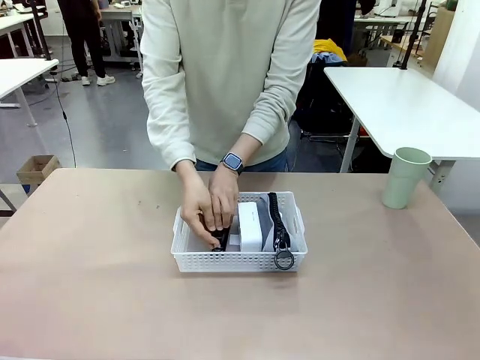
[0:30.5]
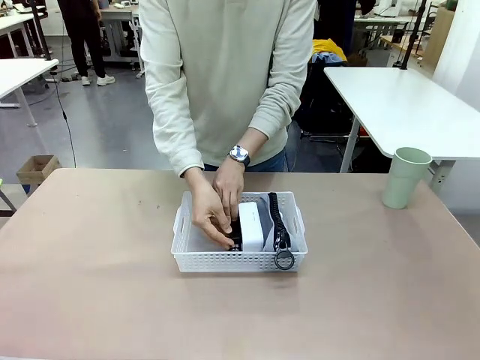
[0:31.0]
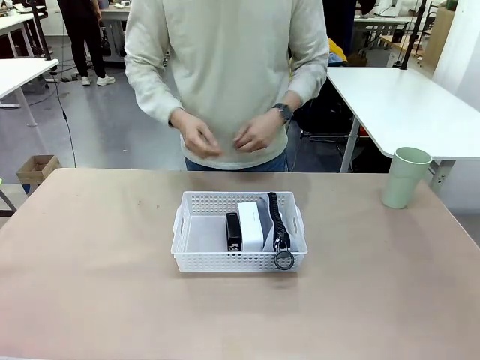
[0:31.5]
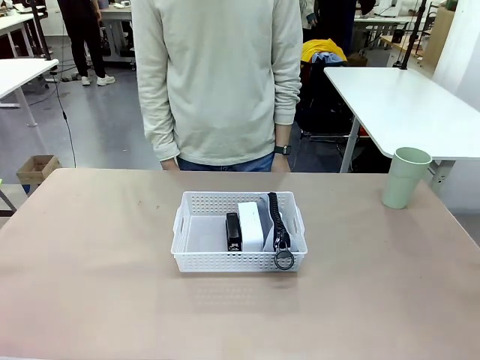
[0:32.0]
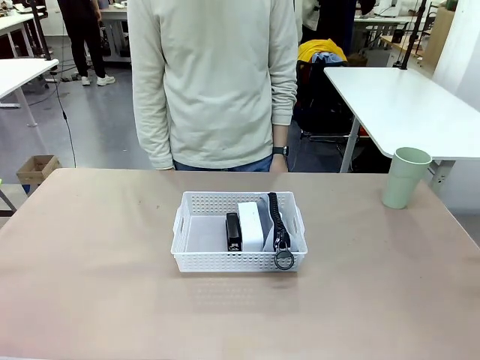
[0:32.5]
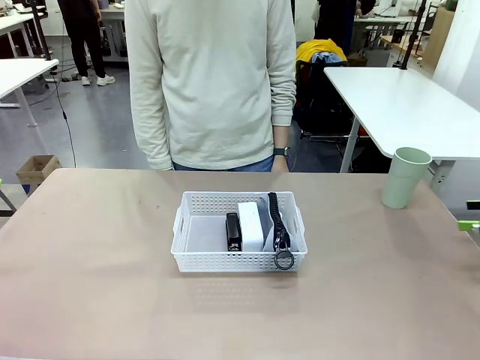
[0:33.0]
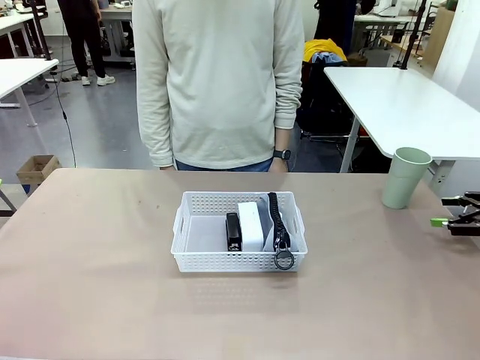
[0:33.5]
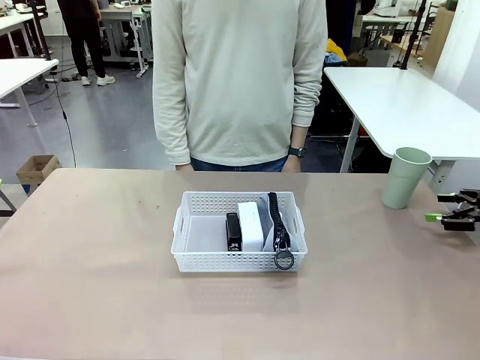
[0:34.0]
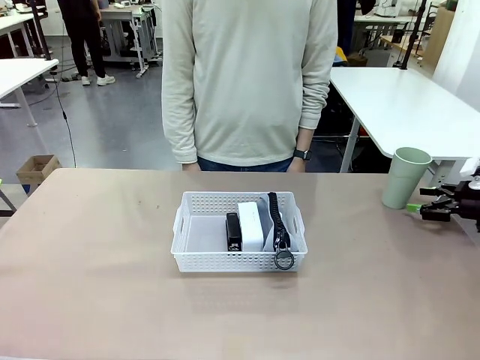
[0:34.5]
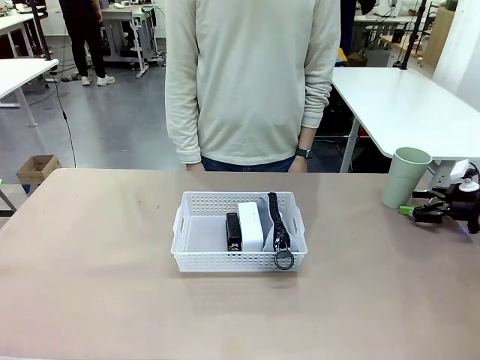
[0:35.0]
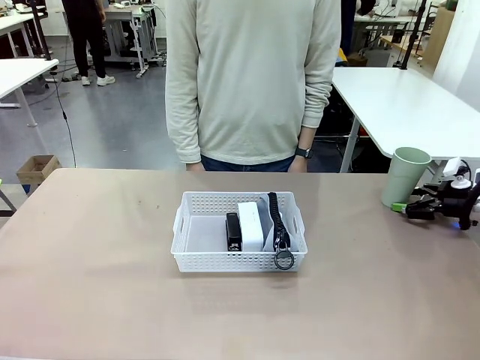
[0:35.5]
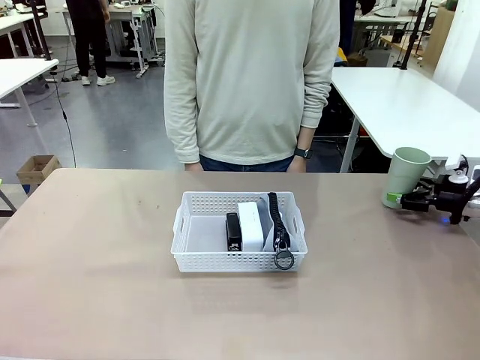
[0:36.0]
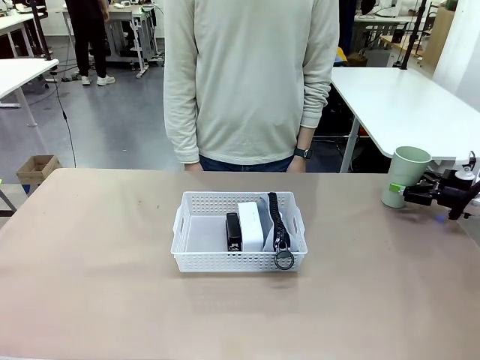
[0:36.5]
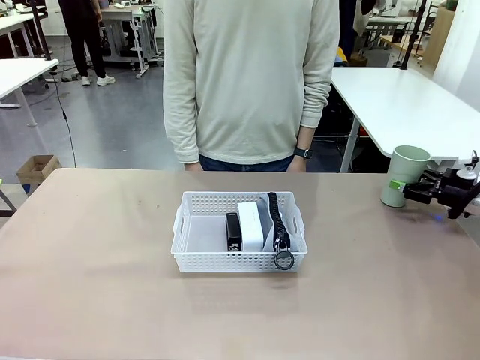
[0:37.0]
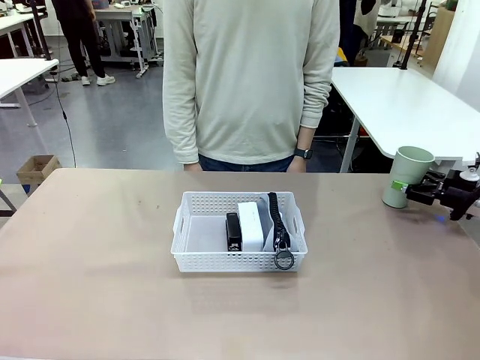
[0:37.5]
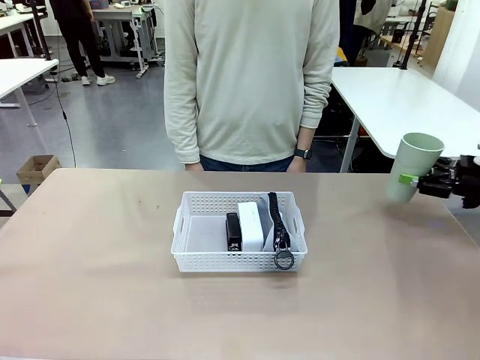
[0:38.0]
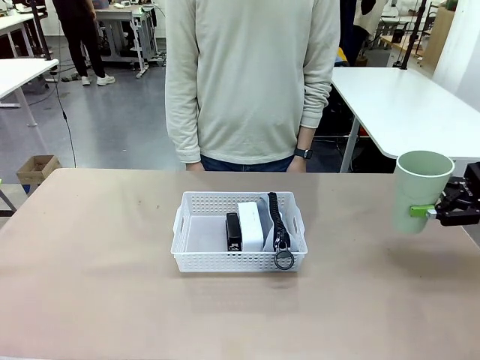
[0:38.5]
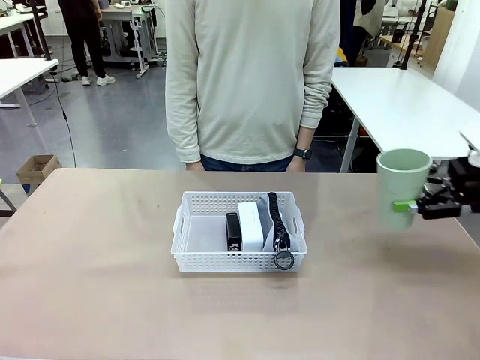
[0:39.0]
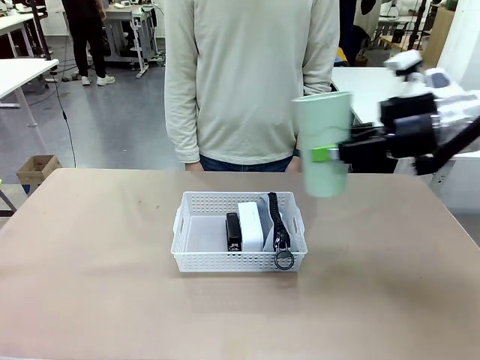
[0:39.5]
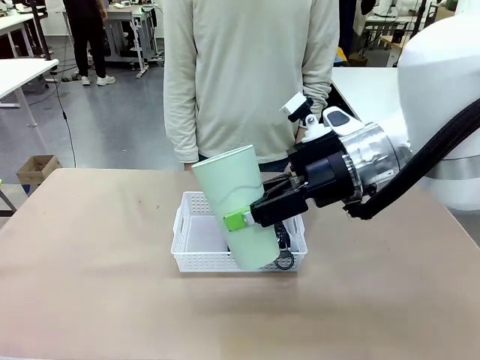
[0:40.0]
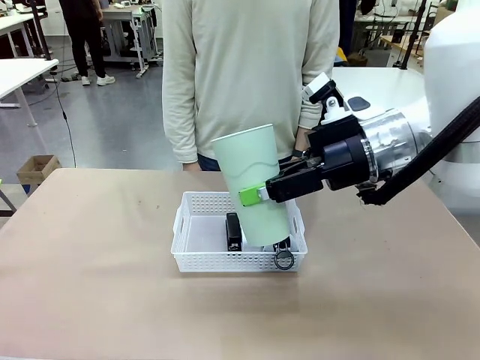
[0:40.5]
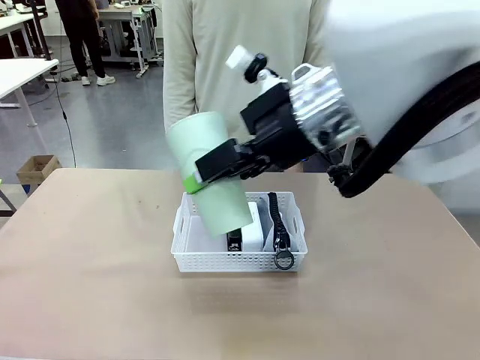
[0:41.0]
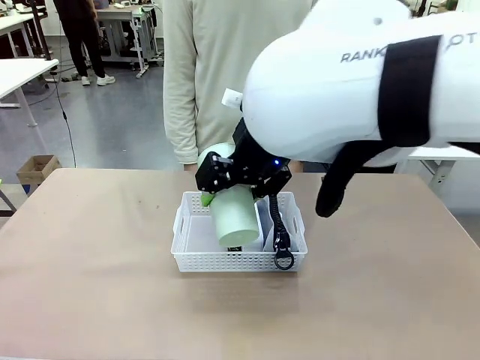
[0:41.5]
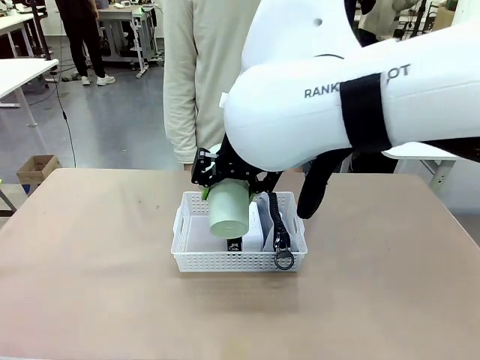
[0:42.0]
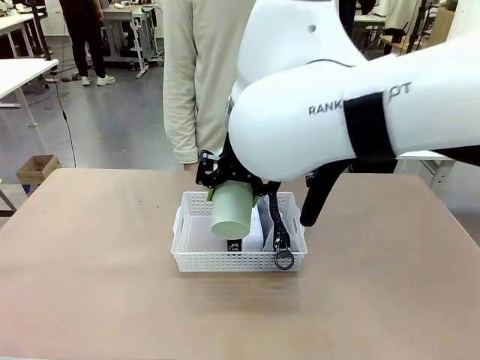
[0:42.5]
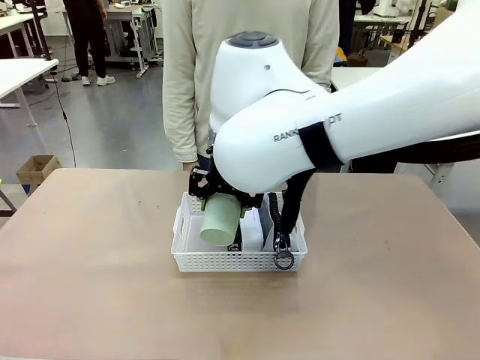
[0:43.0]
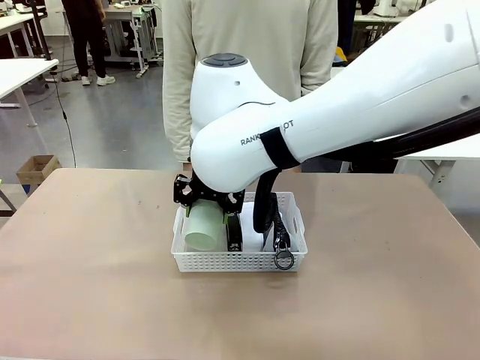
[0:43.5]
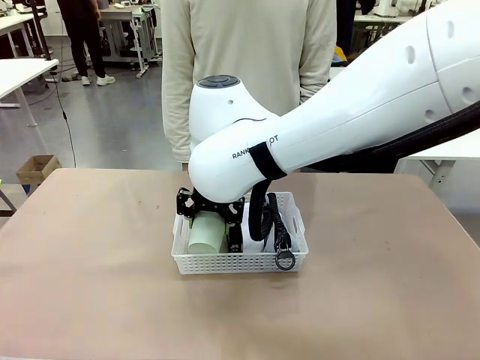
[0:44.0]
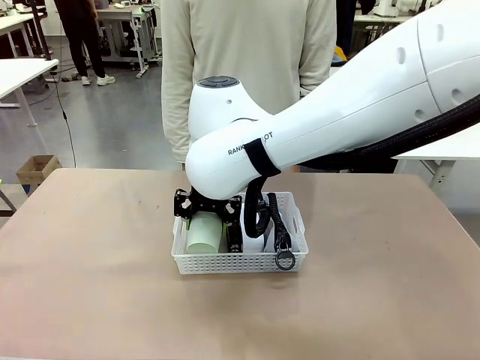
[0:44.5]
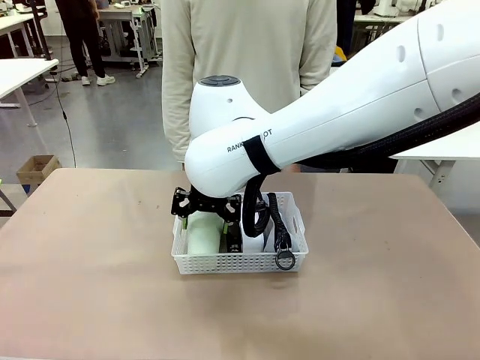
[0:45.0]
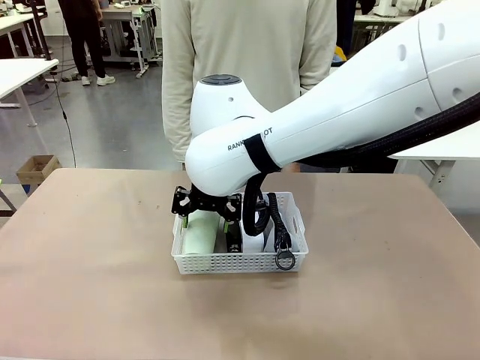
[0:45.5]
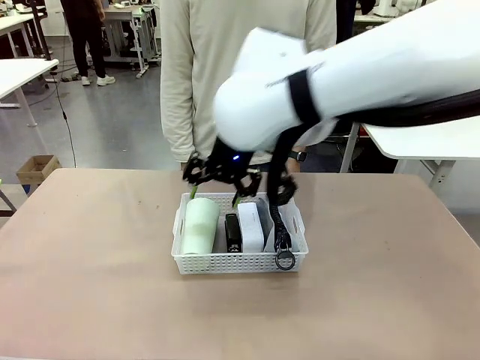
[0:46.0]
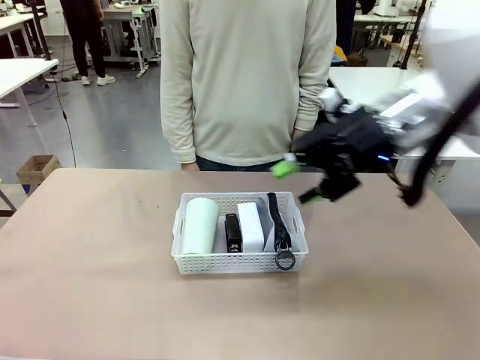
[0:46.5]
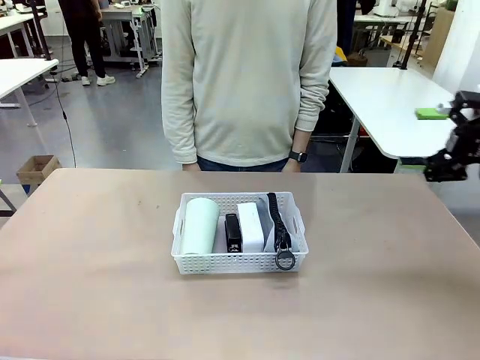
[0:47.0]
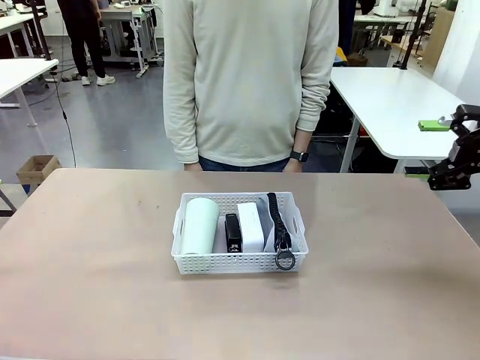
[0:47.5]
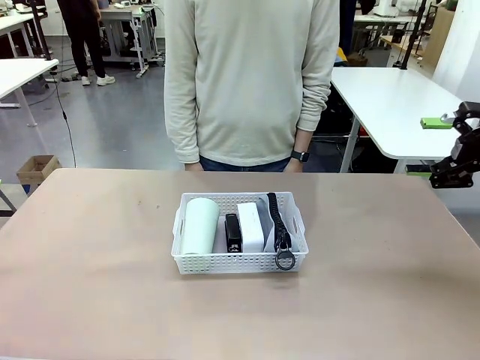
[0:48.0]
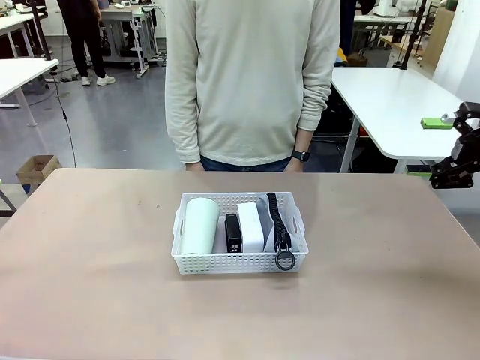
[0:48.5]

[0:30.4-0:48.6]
Task: Efficiently arrange items inside the basket to fit them all.
Robot: Pick up the Reusable plastic cup and place it inside the Organizing basket.
Person: Repositions the stapler.
